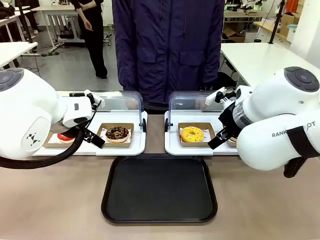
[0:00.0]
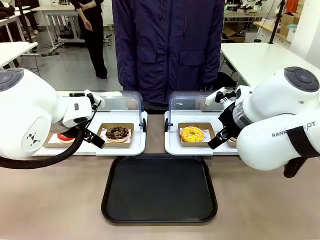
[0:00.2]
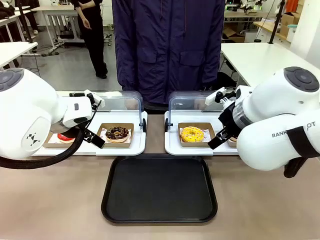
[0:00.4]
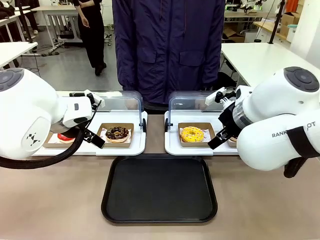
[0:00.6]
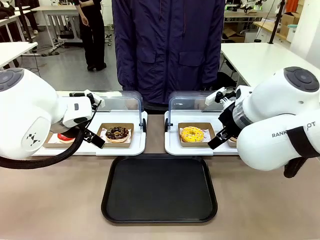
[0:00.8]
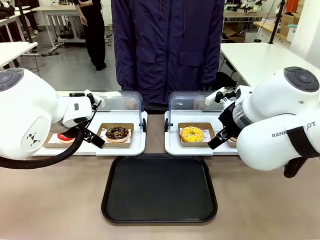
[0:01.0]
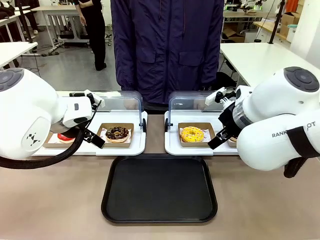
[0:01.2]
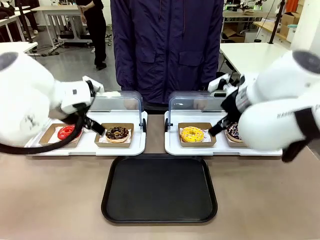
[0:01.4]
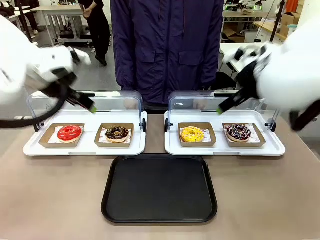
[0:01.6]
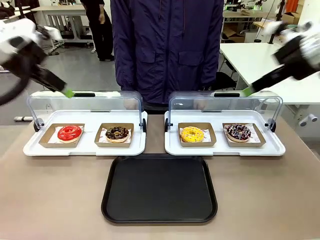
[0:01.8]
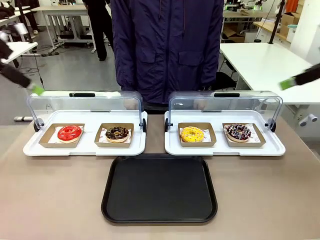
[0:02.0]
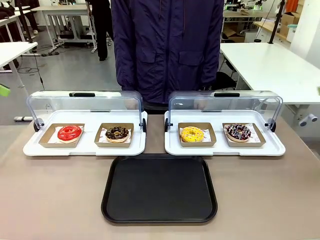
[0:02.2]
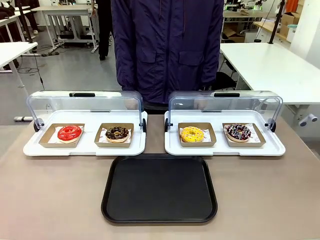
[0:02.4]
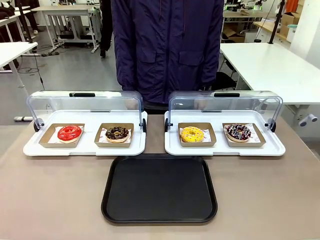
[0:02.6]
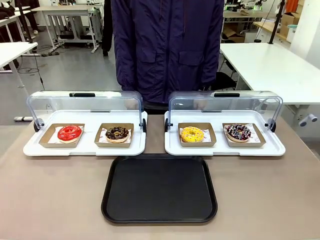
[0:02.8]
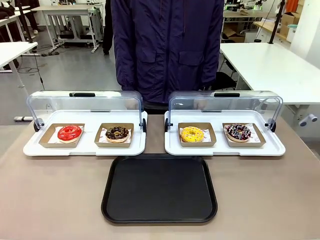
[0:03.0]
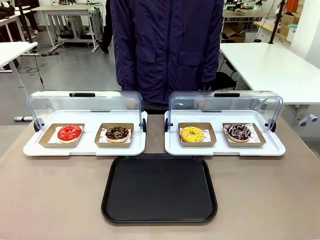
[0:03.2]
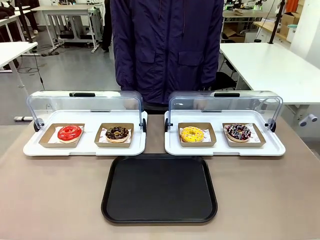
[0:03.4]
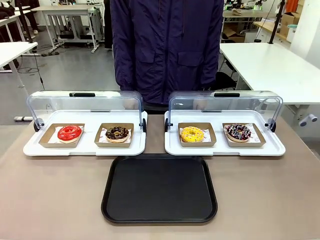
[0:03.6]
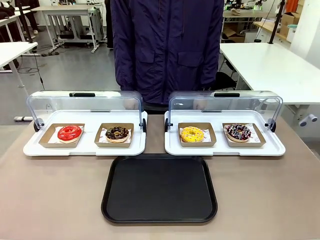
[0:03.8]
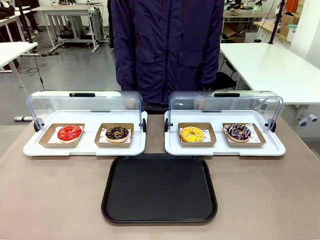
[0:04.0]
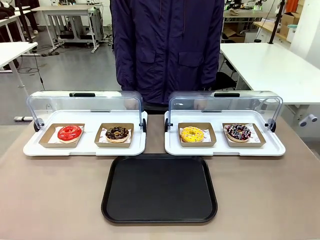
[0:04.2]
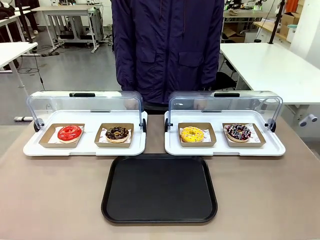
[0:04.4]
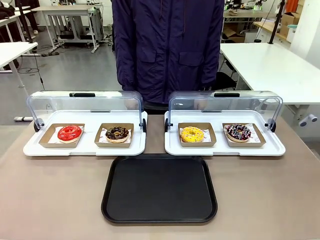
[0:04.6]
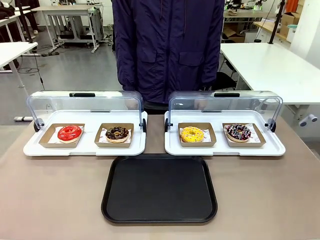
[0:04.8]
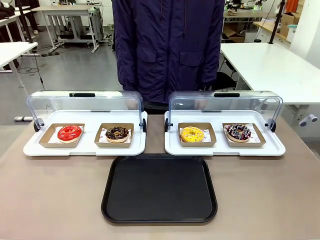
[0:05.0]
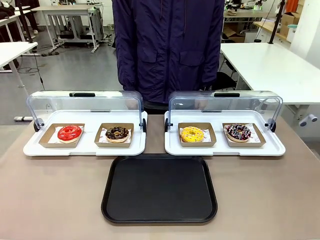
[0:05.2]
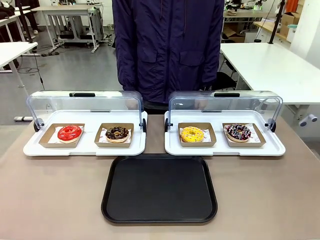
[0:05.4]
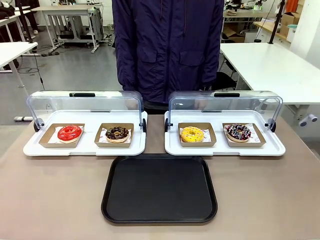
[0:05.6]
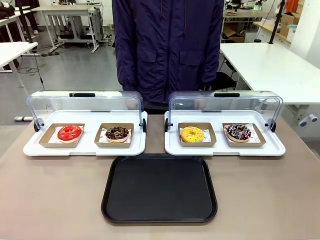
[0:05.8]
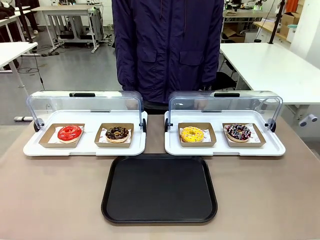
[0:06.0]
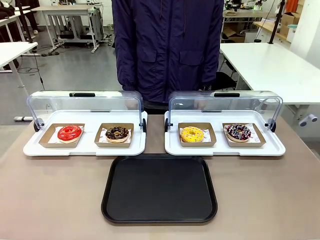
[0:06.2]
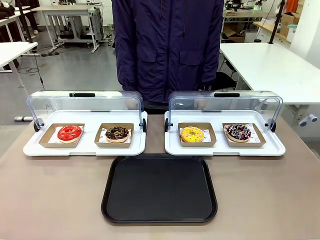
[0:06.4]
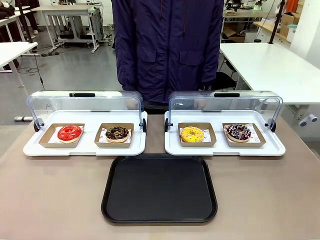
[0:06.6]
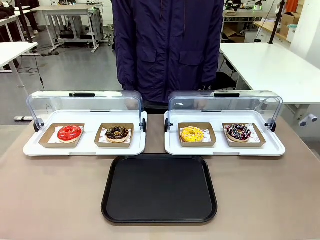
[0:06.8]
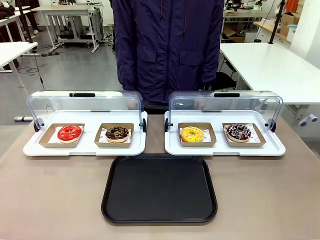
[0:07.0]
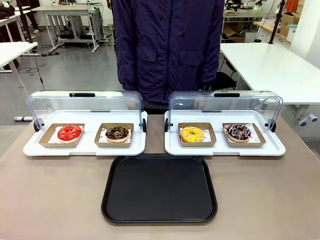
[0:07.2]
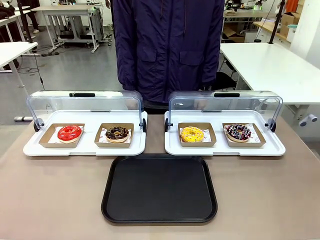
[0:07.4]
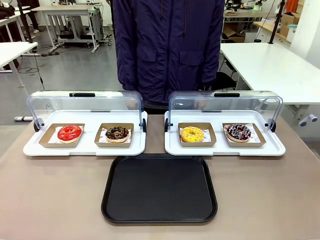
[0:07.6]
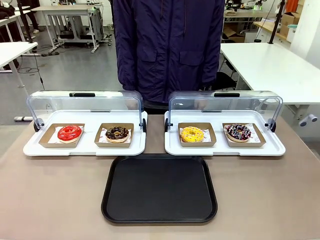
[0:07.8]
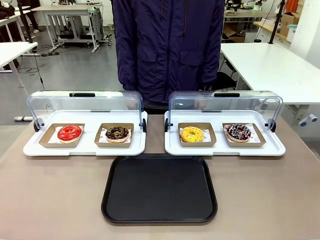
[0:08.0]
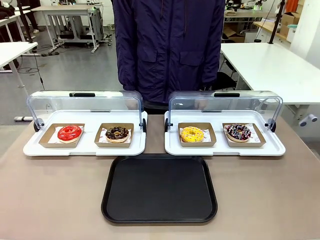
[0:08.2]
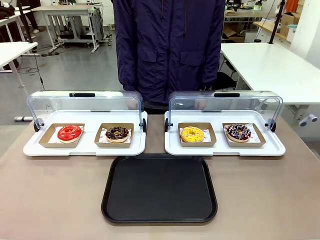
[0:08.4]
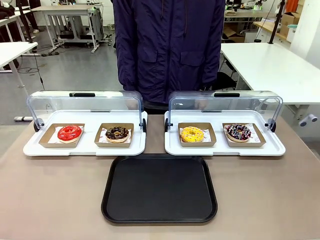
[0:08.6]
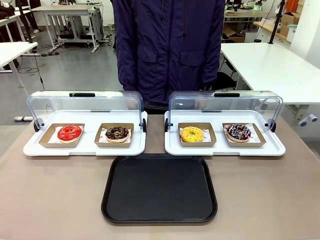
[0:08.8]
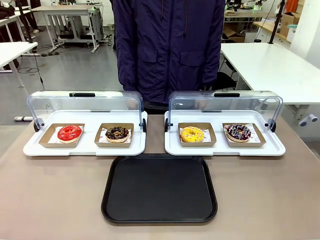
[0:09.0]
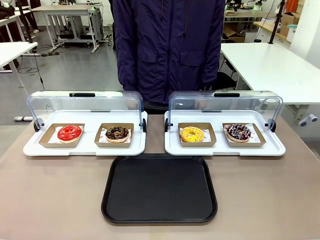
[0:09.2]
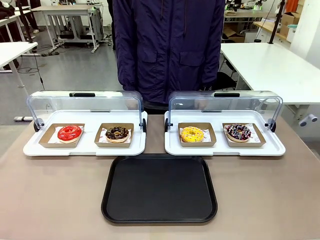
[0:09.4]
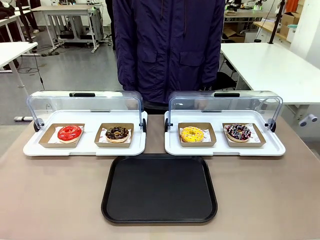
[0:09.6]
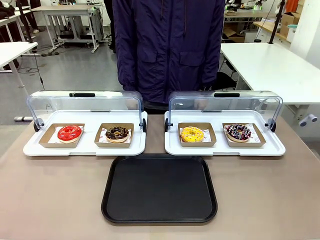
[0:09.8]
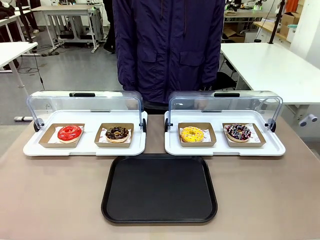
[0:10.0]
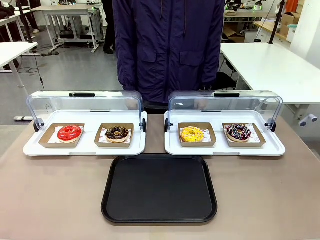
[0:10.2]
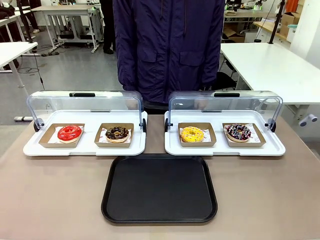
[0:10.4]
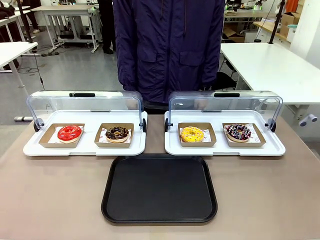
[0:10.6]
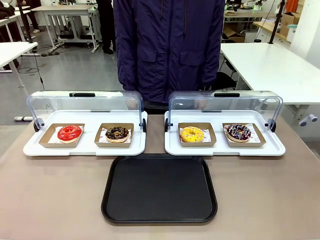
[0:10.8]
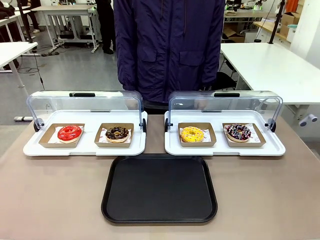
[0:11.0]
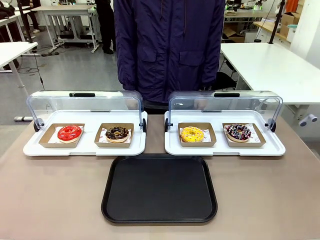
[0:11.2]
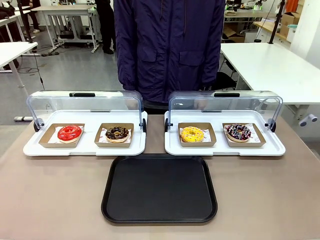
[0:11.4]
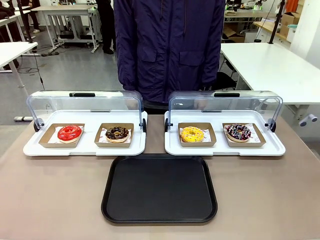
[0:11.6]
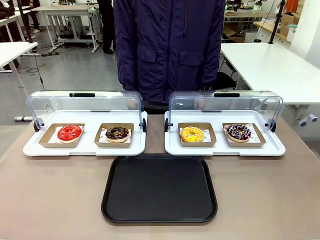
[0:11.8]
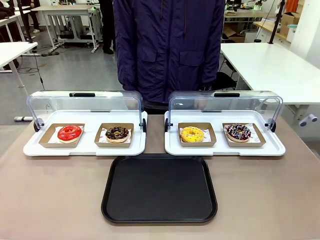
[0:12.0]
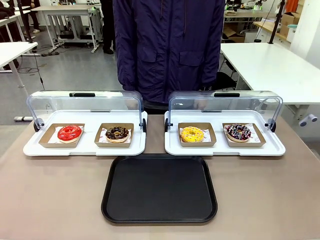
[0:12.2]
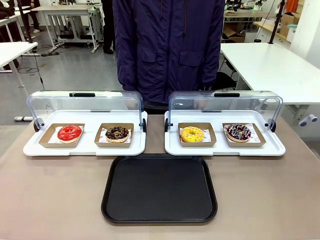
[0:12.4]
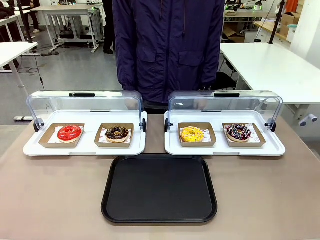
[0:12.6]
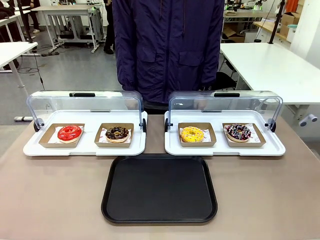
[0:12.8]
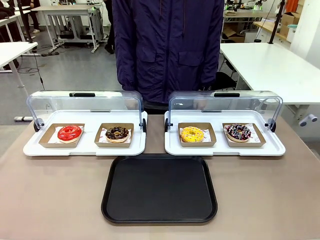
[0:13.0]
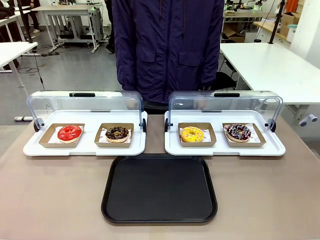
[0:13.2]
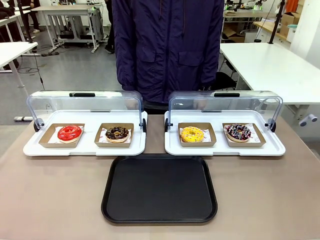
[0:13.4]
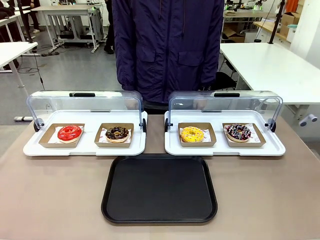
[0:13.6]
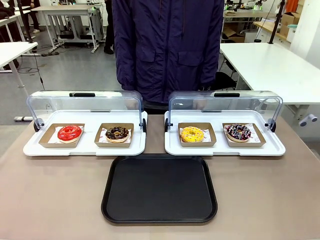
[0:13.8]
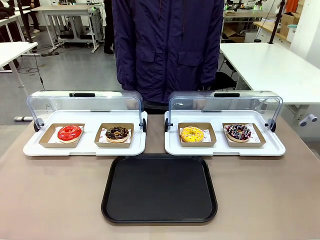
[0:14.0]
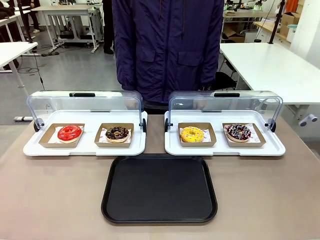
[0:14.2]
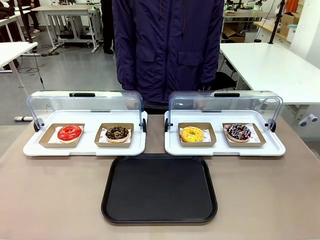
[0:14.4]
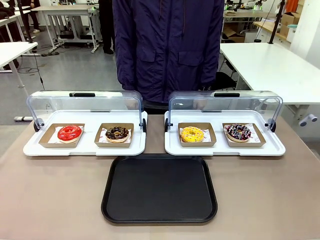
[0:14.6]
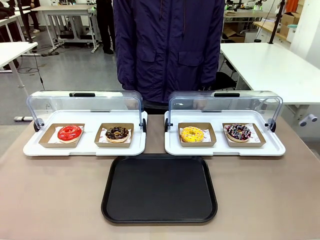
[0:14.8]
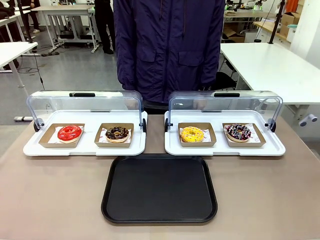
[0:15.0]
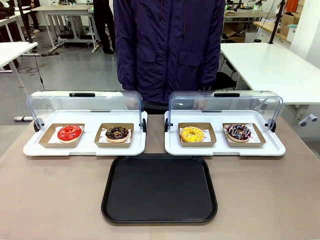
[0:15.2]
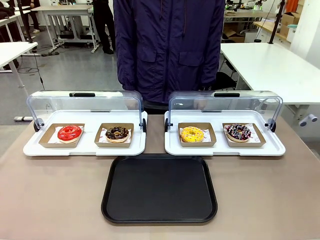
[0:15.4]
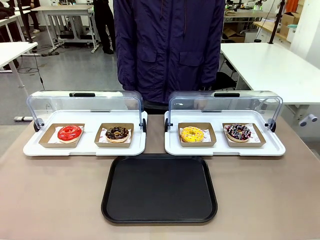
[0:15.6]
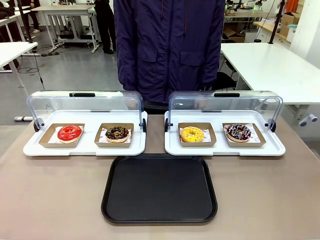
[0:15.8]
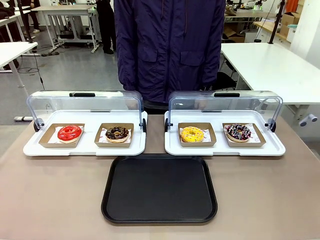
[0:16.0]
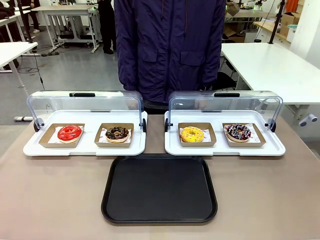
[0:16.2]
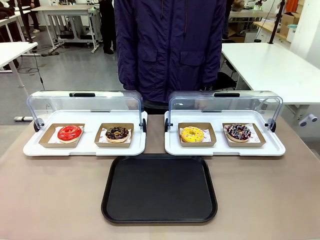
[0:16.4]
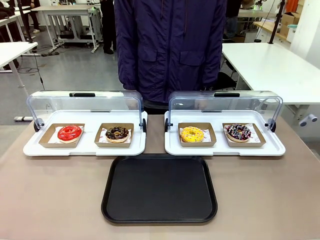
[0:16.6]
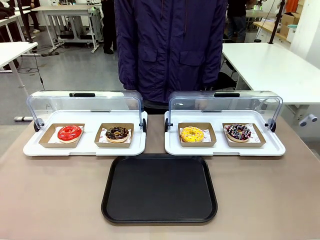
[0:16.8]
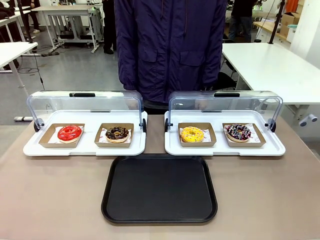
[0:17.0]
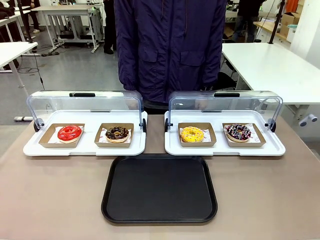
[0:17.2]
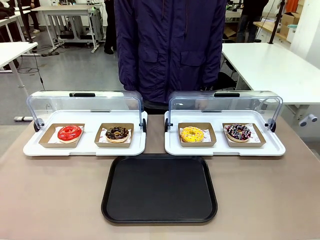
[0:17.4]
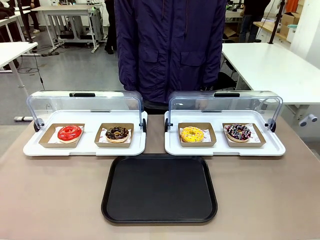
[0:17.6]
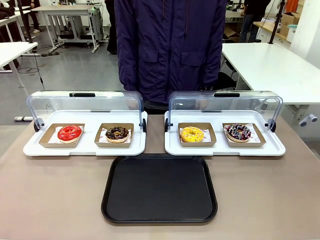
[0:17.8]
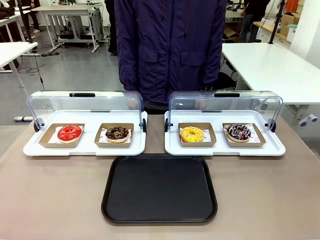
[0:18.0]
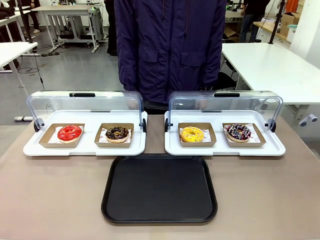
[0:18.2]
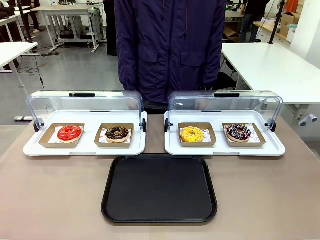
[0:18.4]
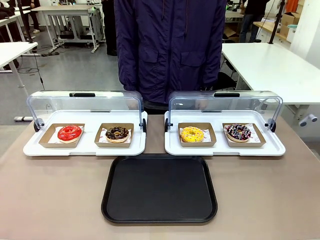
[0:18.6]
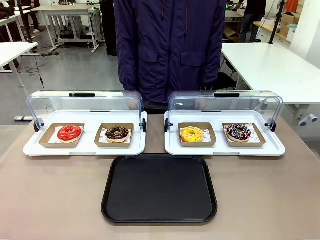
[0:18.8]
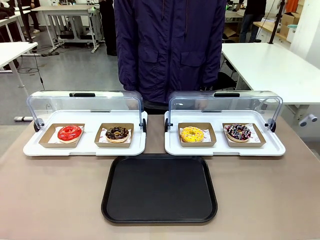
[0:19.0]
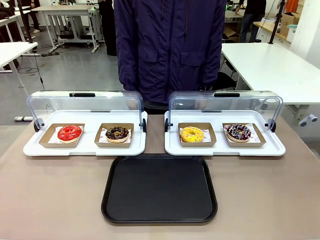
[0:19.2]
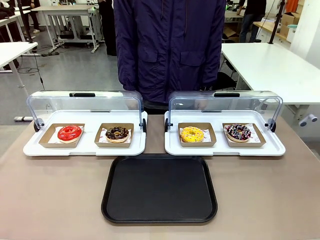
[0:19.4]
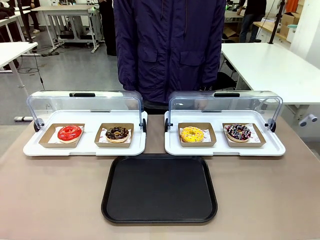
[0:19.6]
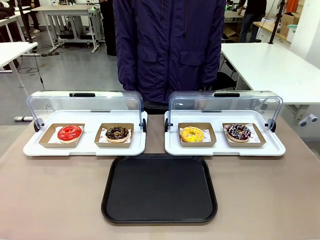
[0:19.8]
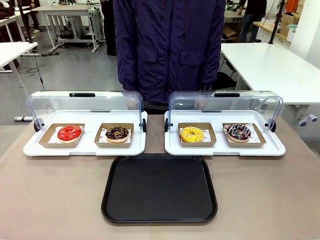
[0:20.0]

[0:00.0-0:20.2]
Task: Move the fourth donut from the left to the tray.
Robot: Pick up the Paper togo box containing the Donut indicated by the person and place it on the Handle tray.
